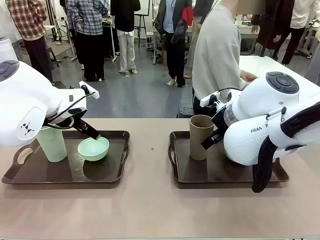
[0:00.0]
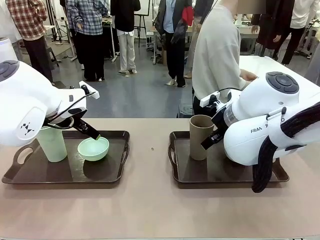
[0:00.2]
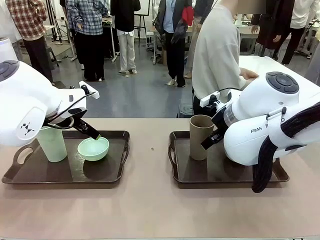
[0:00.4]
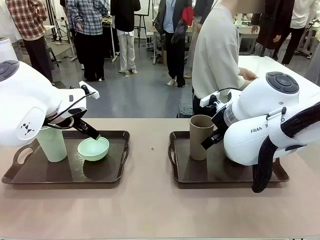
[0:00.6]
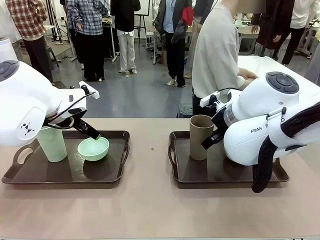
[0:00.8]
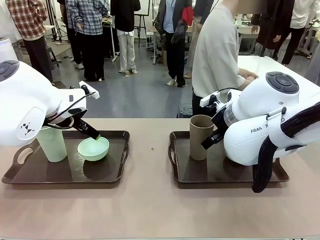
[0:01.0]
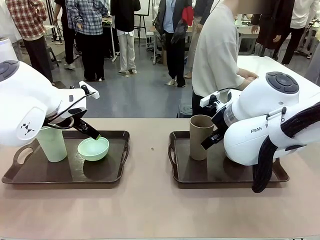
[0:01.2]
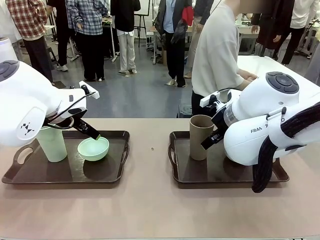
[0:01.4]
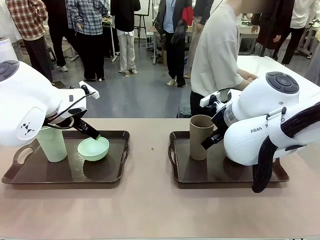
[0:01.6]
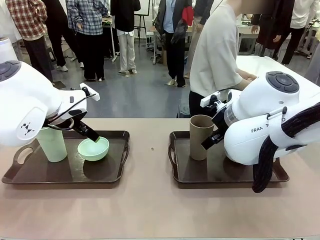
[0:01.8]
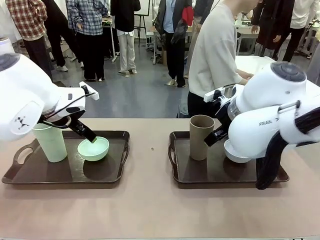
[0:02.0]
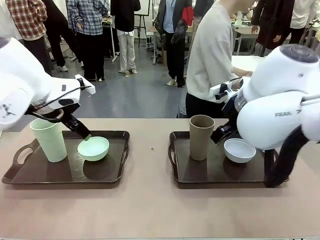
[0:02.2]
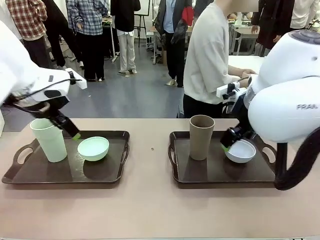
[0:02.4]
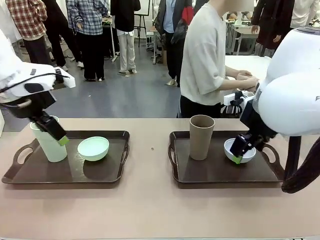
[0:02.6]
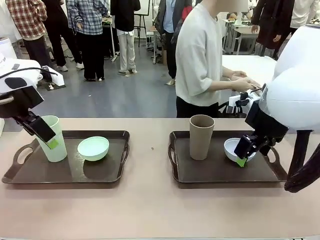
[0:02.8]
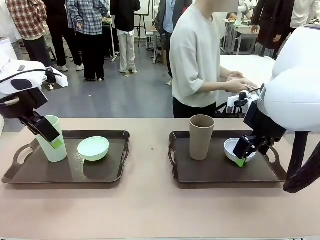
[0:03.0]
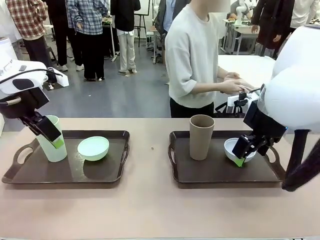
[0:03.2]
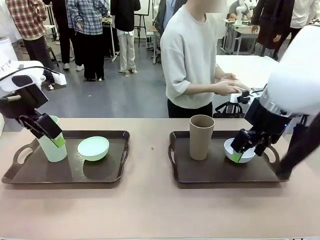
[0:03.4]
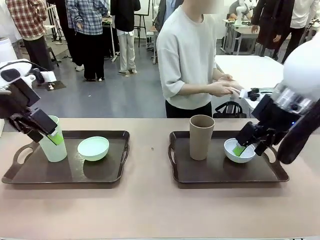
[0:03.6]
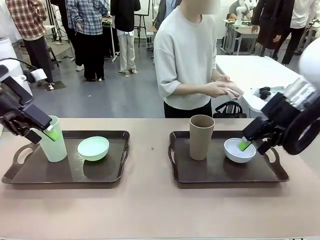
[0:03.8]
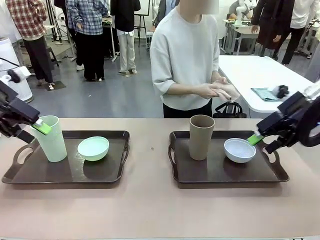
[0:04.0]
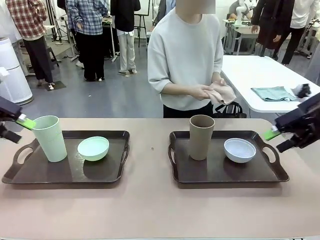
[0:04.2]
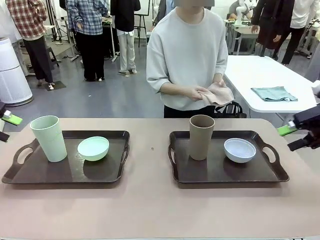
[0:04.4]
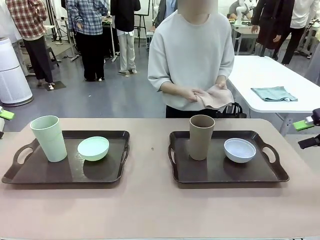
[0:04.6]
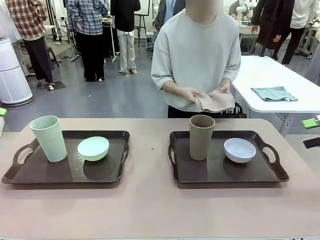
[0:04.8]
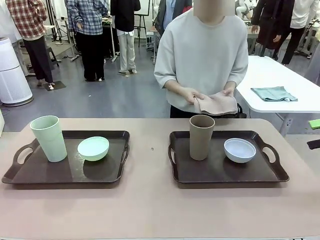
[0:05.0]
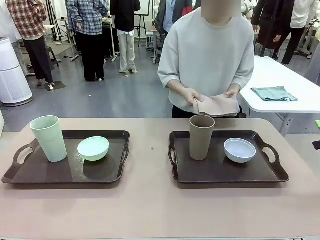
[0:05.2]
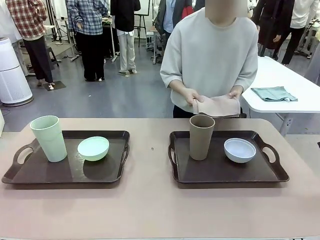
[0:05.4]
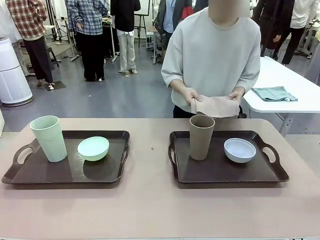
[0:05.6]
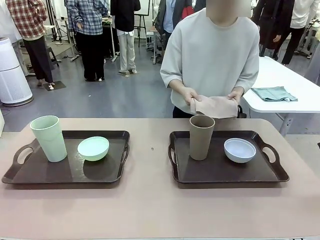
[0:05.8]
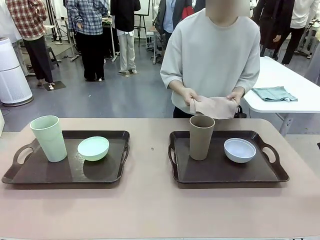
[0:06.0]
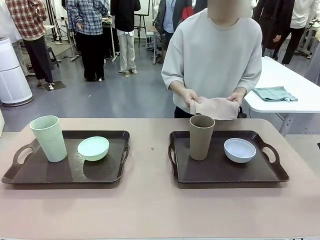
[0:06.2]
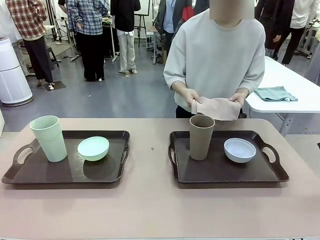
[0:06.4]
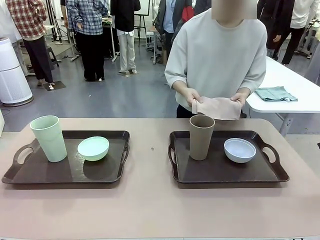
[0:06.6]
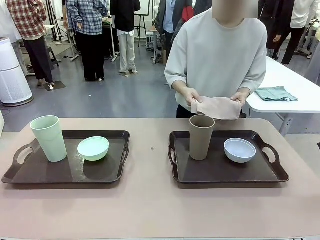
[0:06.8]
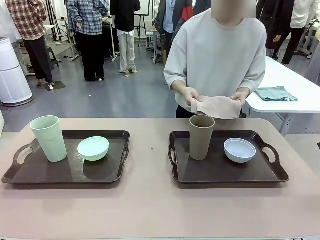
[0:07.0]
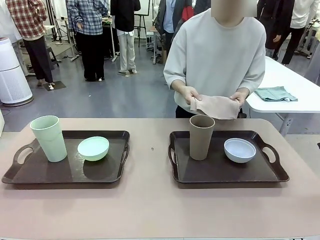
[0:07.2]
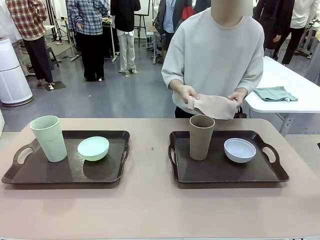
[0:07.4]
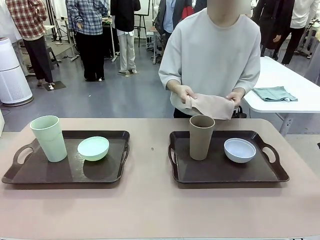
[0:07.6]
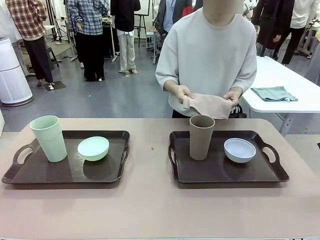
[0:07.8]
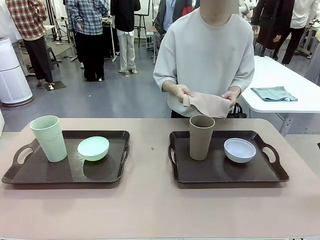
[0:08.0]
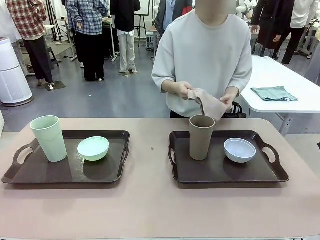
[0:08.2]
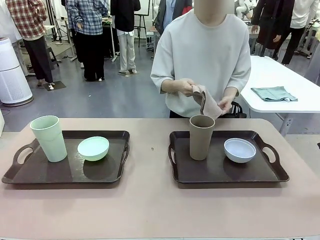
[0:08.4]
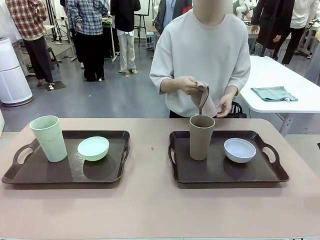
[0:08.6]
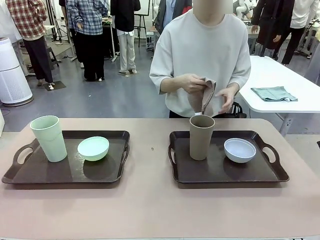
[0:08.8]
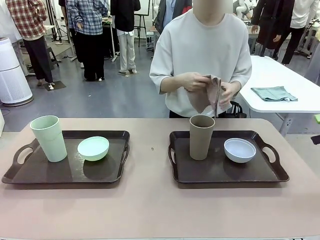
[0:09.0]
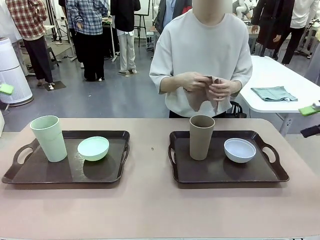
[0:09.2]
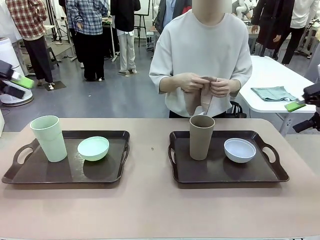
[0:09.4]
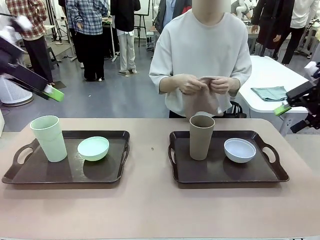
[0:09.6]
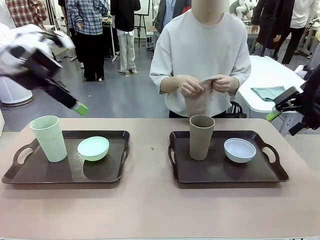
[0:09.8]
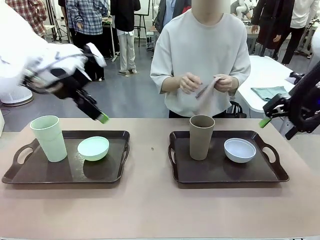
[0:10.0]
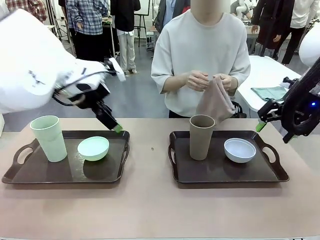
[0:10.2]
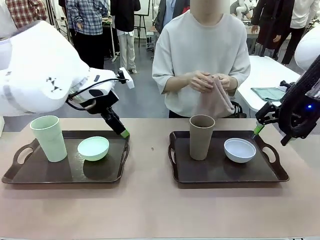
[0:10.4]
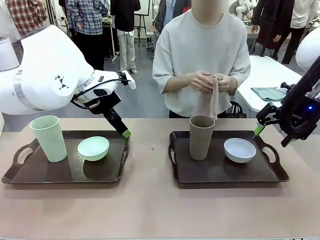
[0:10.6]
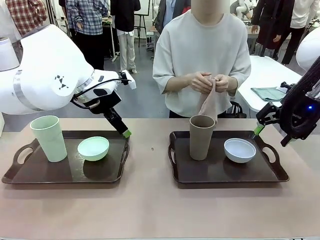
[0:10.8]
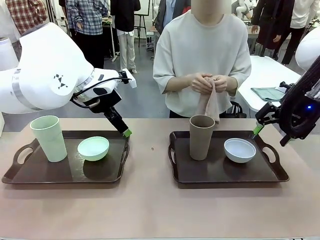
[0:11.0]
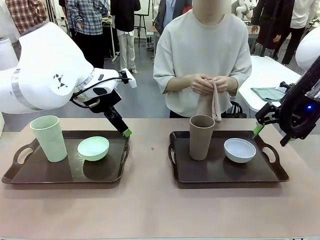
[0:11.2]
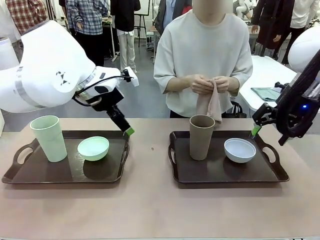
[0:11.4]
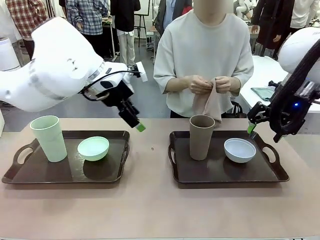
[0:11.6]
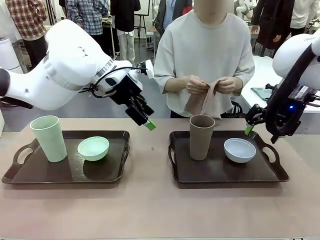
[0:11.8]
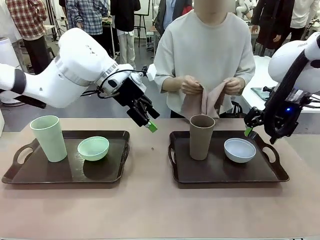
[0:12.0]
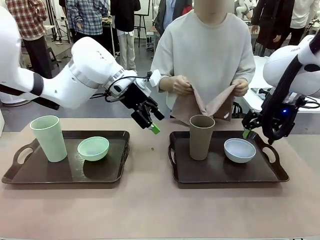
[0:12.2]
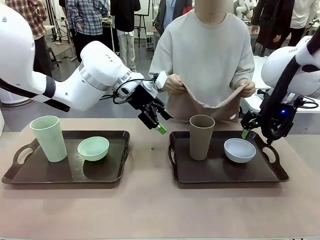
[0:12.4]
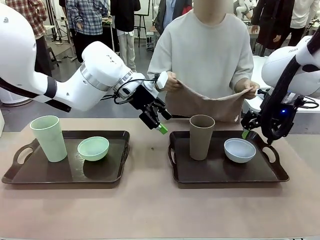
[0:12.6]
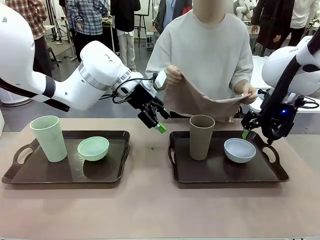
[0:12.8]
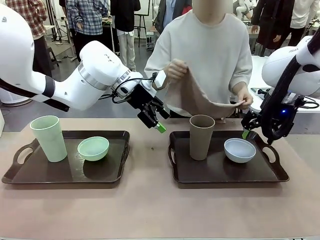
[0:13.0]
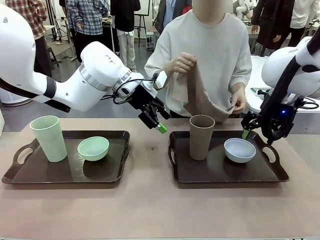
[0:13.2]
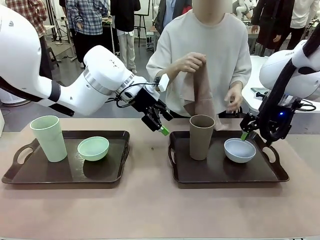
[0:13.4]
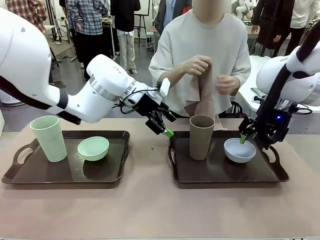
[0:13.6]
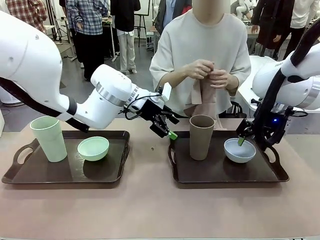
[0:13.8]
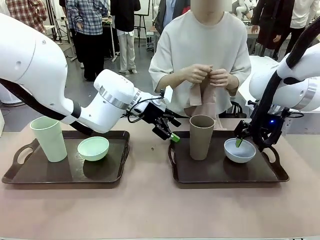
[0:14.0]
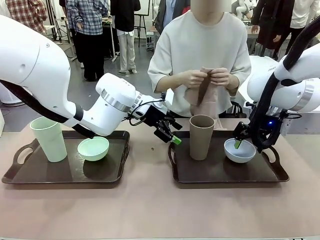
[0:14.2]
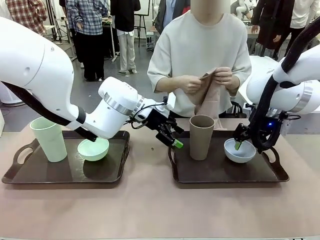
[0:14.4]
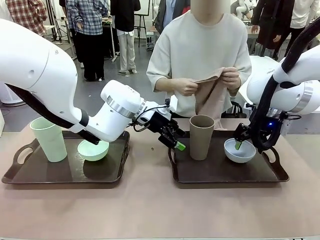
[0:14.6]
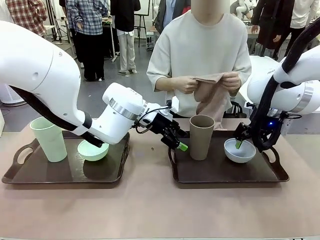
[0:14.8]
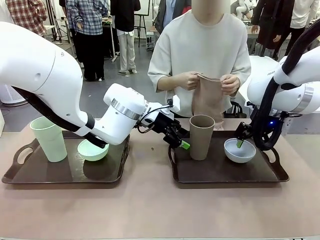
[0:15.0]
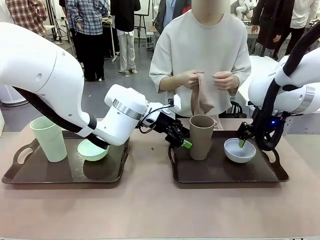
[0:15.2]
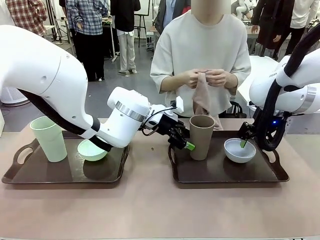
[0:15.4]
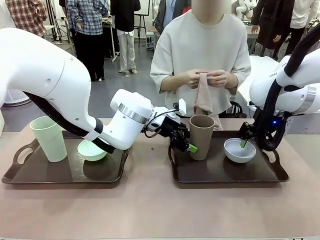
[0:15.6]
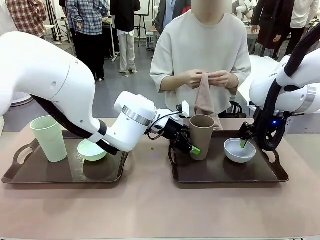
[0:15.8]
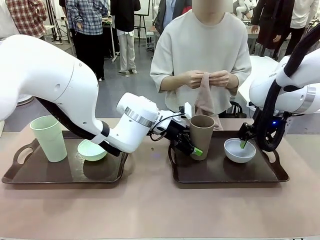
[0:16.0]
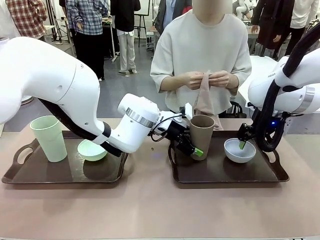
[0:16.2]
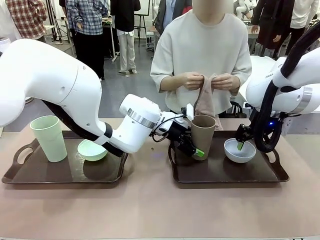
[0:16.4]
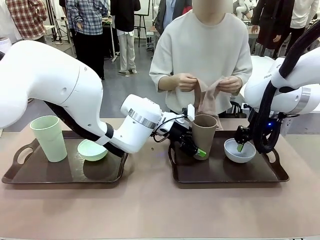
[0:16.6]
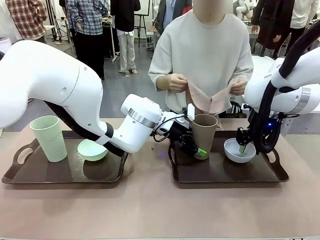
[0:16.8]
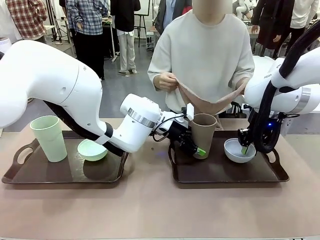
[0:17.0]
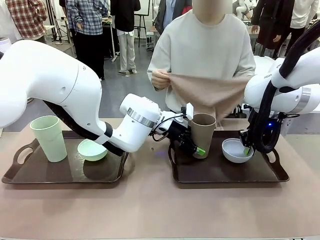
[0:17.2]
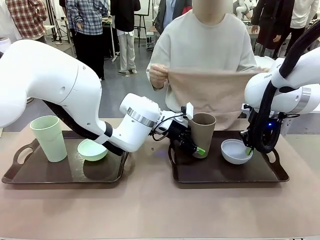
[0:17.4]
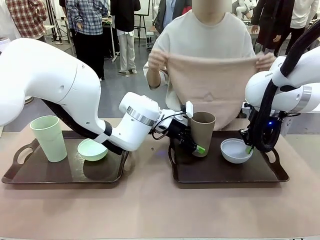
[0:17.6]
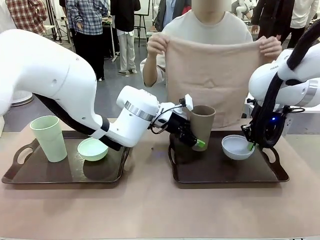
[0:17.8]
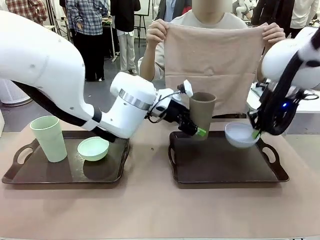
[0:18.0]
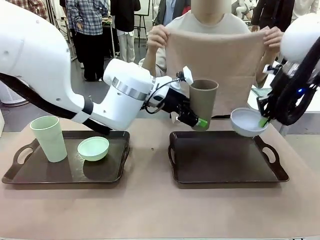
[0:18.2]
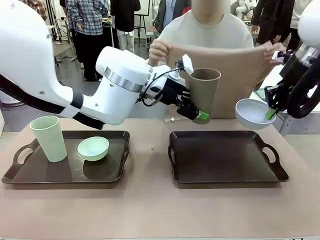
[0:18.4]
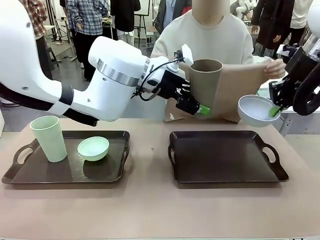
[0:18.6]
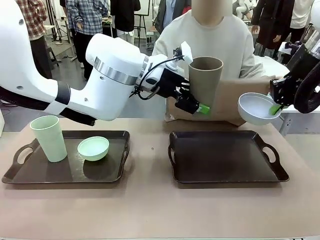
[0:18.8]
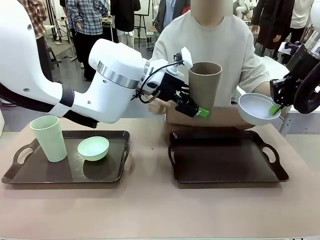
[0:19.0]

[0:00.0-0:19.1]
Robot: Pick up the Picnic Bowl and Reusable plastic cup from the Handle tray in front of the human's position and hold them in the air.
Person: The human picks up the top napkin from the stack on the human table and walks to the robot table to stand in front of one of the two trays. When the robot lifts the bowl and the cup, the human unfolds the napkin and lays the napkin flat on the tray.
